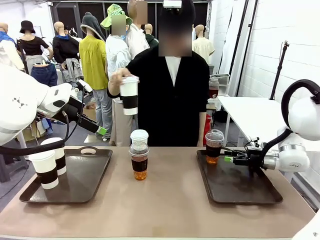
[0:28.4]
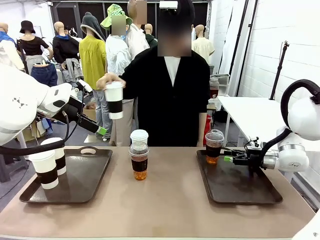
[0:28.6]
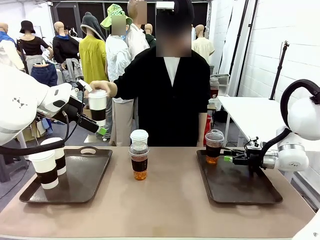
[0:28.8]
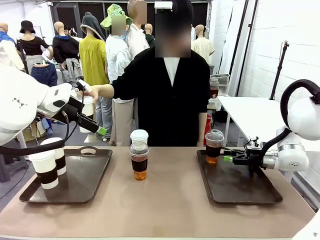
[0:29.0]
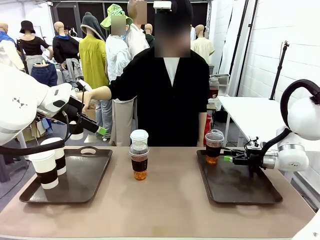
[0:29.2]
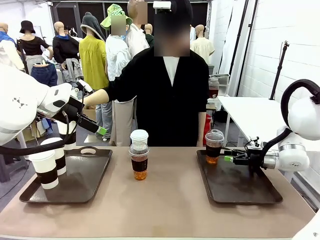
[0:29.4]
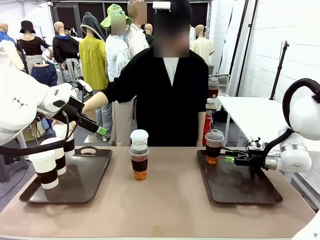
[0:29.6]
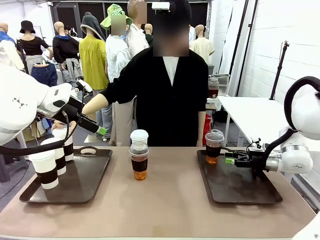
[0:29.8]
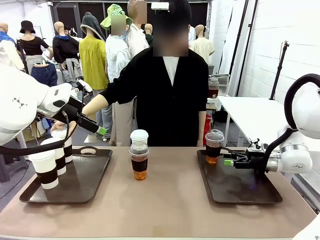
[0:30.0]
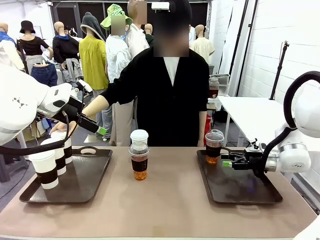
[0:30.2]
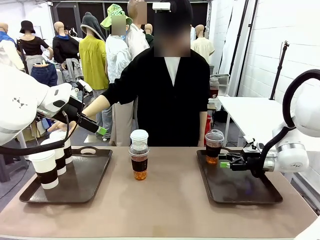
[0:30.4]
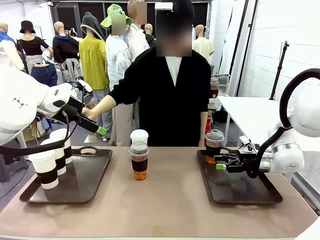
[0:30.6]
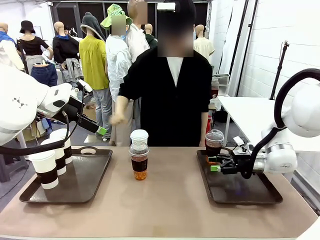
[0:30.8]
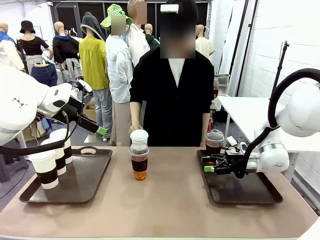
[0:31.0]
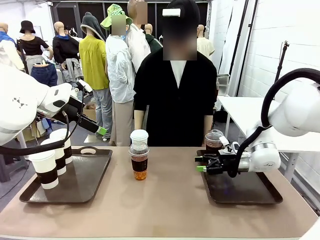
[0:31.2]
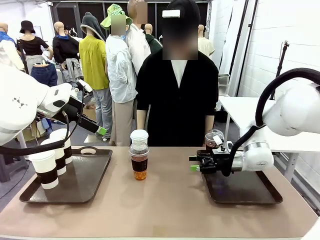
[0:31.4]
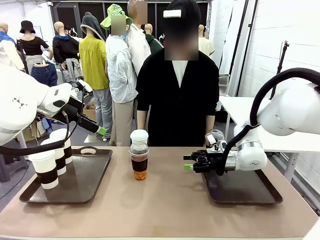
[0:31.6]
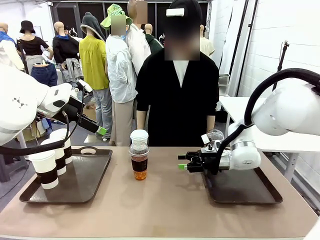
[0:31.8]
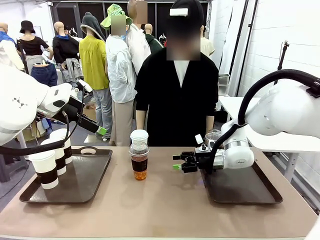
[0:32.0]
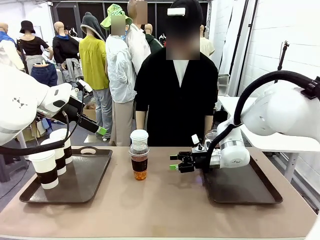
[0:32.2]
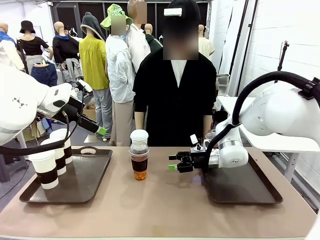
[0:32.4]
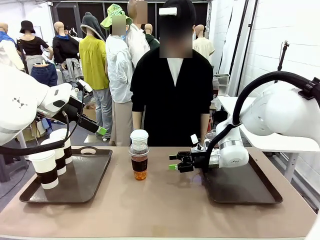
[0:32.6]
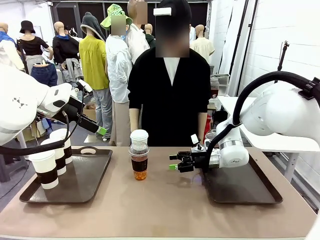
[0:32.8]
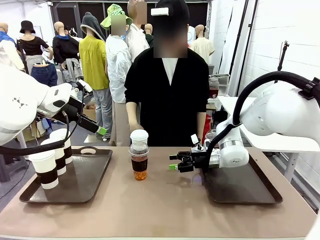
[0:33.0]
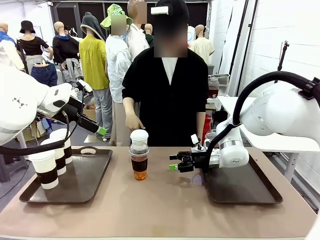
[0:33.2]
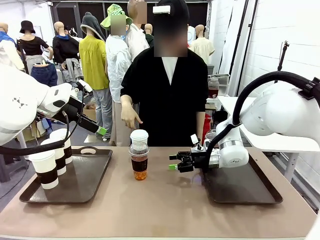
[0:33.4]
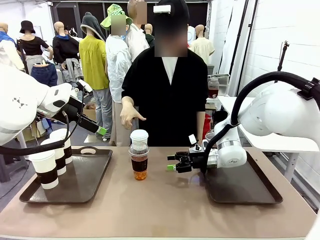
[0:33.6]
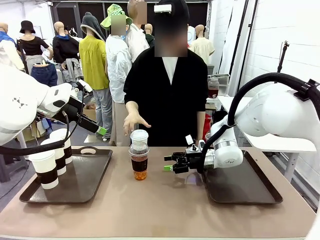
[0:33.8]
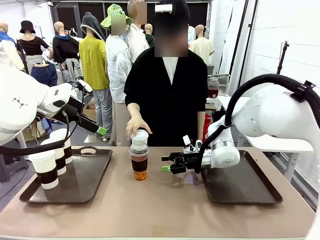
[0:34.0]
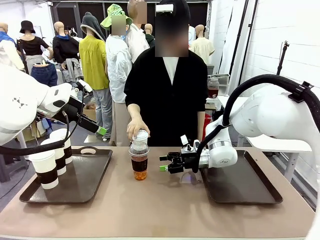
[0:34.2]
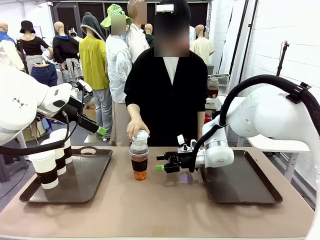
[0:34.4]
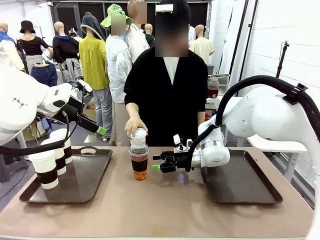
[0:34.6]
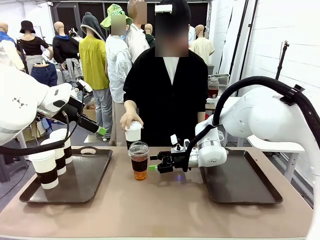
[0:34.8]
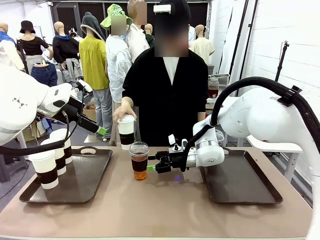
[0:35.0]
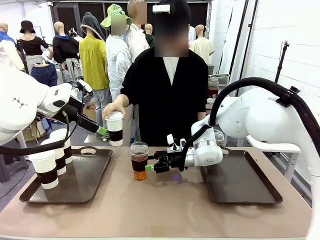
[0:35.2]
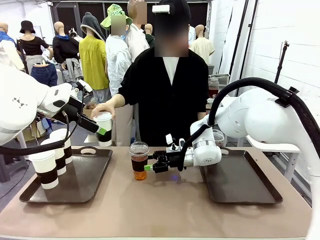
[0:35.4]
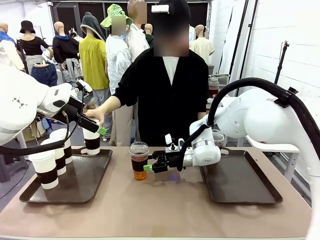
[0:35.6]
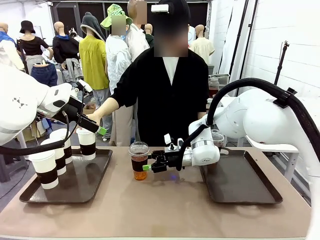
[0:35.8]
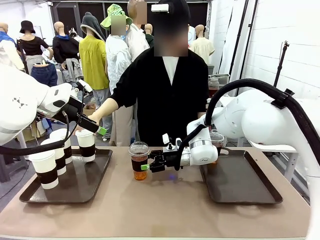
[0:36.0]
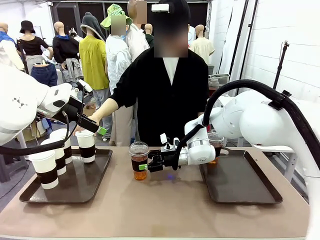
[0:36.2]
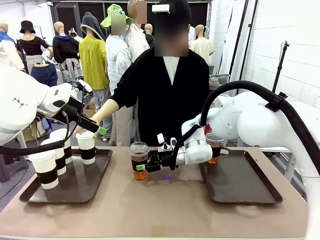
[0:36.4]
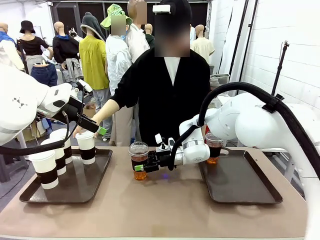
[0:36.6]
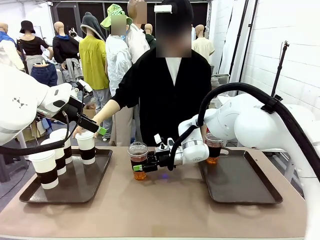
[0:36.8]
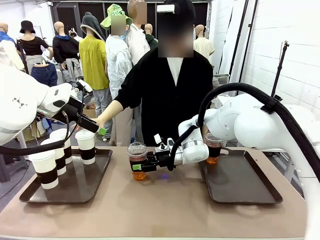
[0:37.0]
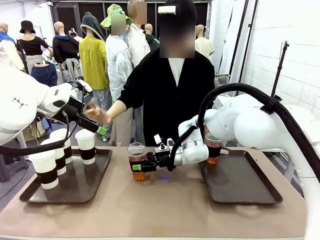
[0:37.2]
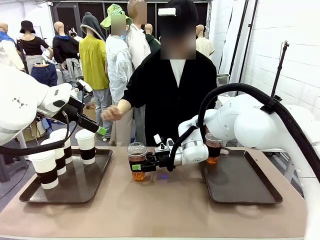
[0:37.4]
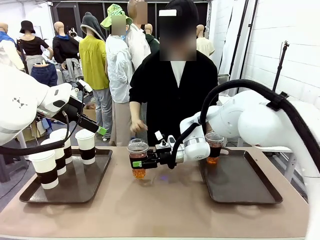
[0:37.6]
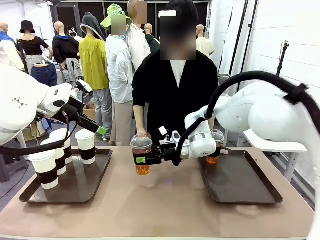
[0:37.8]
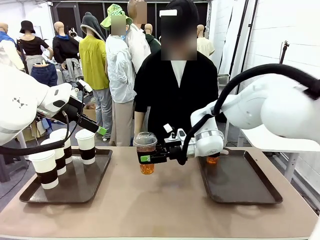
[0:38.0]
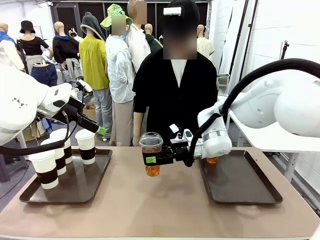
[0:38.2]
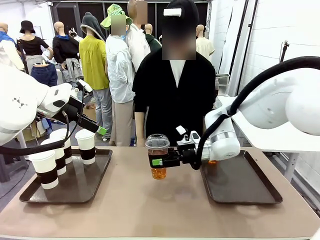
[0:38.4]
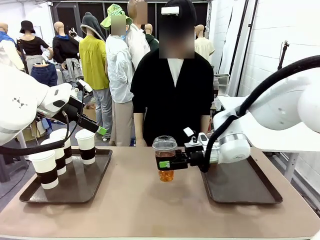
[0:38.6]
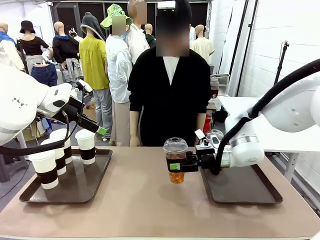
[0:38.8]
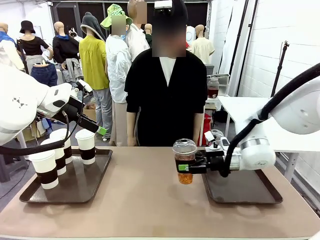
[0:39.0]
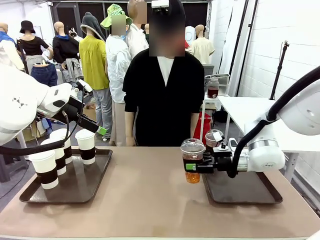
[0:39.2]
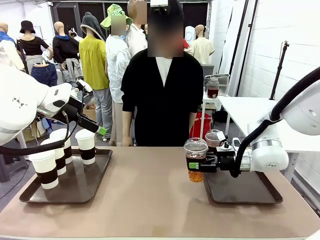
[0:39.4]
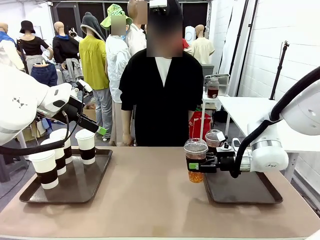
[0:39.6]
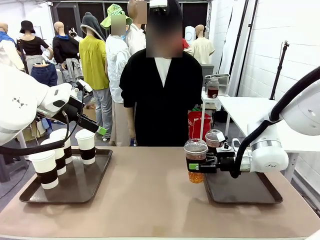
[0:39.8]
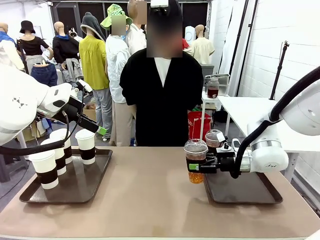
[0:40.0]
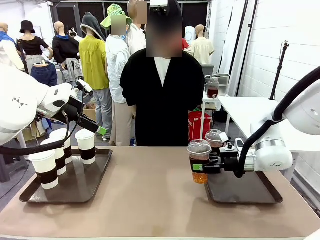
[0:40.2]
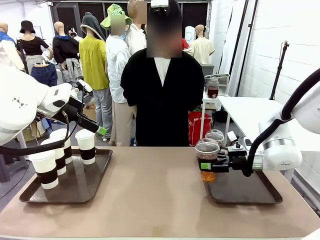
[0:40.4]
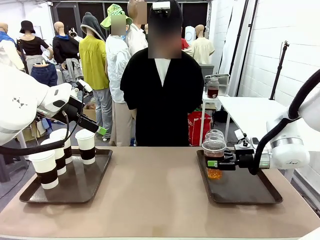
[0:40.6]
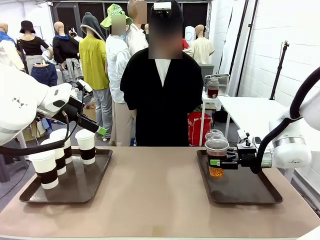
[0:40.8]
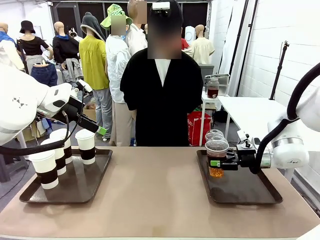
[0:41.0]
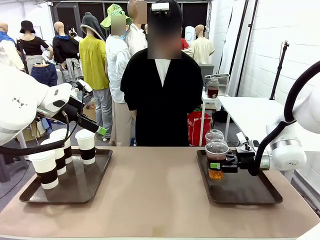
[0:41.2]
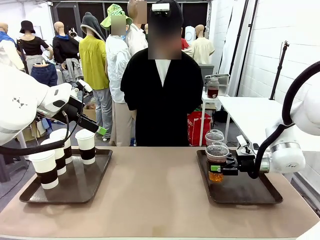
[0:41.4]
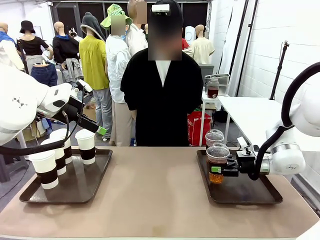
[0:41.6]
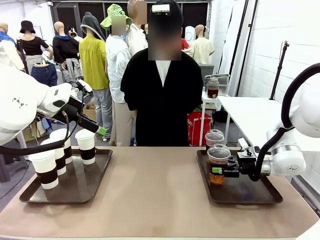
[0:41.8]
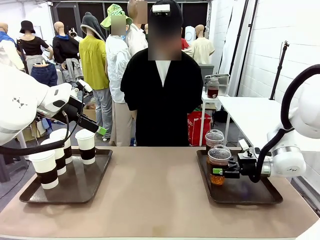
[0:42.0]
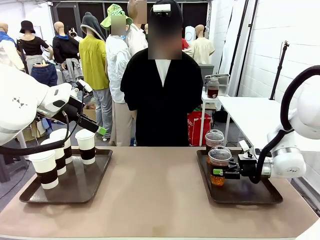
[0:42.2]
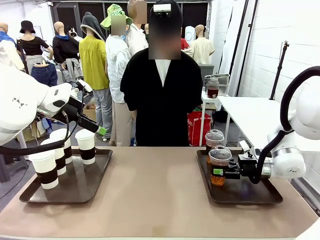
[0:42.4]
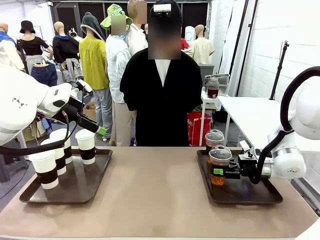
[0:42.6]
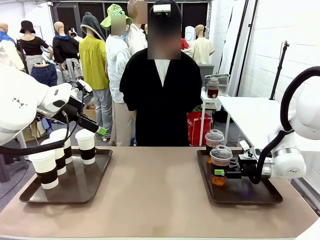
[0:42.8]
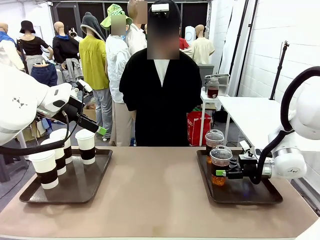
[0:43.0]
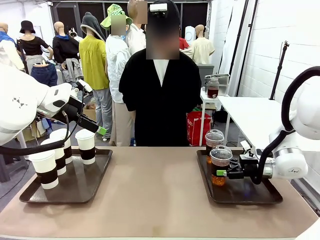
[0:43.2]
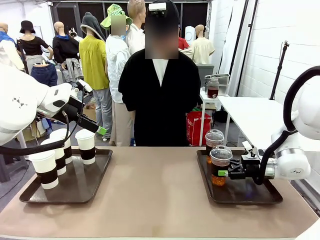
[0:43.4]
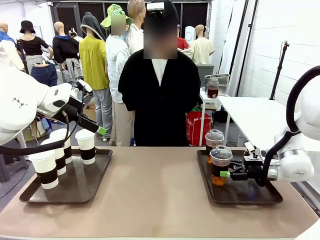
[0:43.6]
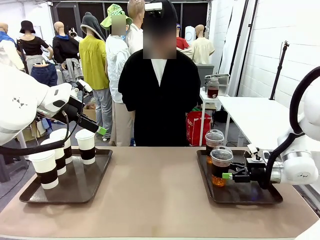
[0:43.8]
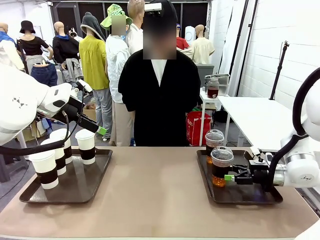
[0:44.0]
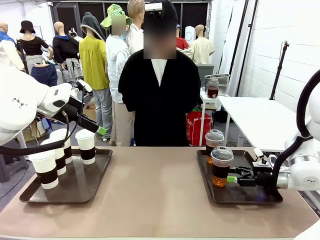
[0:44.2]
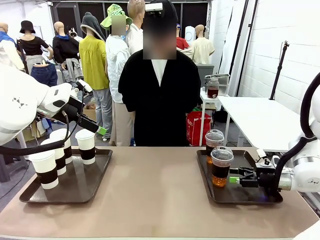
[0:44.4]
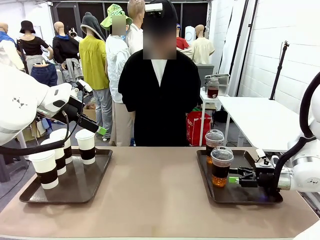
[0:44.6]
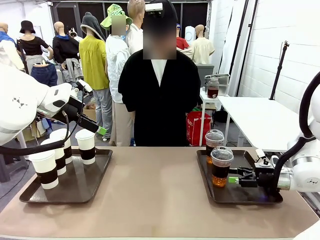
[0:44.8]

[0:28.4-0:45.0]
Task: Distribute the coffee onto the tray.
Robot: Pick up another iced Americano from the middle of the table and place it on the right Handle tray.
Person: Pick up a cup of hot Americano from the middle of the table and place it on the right tray.
